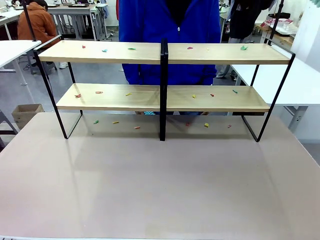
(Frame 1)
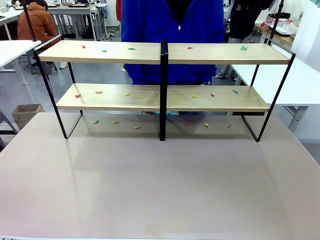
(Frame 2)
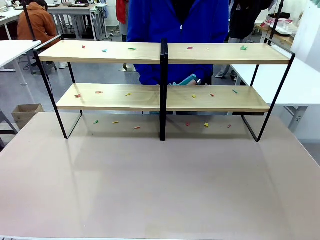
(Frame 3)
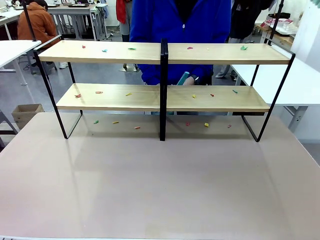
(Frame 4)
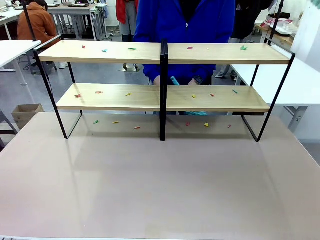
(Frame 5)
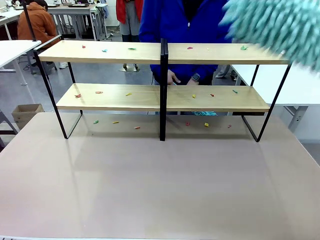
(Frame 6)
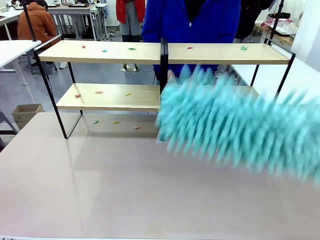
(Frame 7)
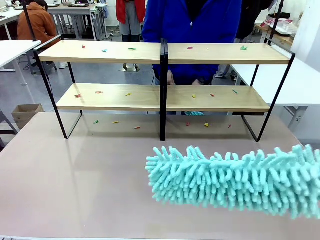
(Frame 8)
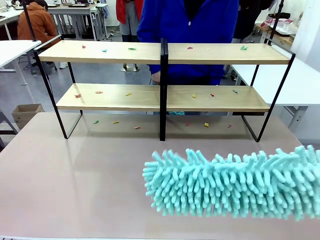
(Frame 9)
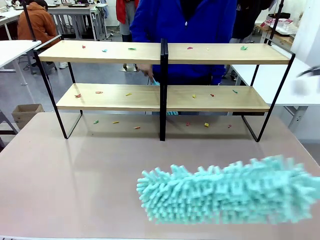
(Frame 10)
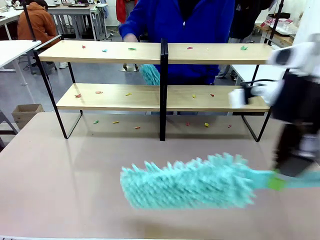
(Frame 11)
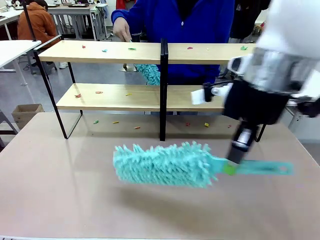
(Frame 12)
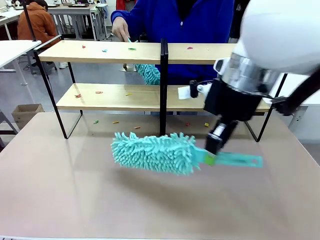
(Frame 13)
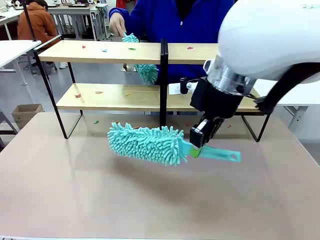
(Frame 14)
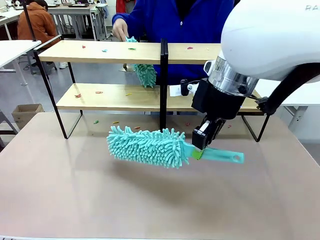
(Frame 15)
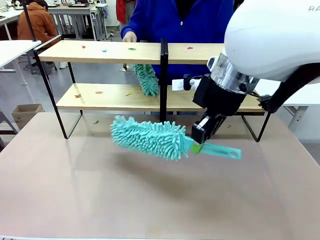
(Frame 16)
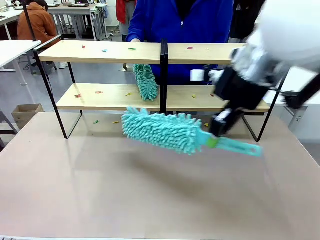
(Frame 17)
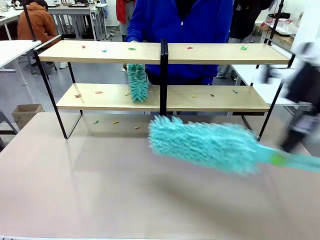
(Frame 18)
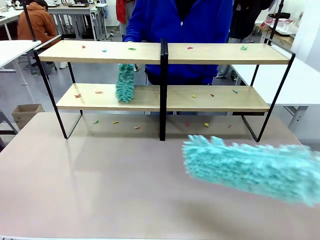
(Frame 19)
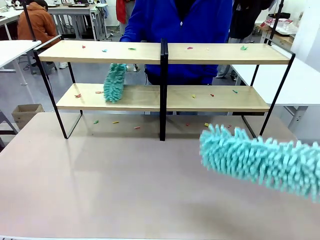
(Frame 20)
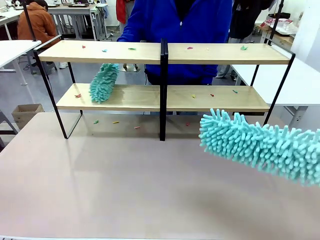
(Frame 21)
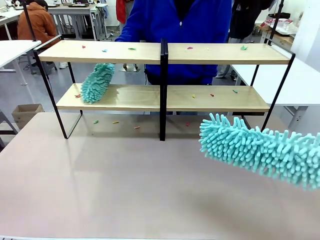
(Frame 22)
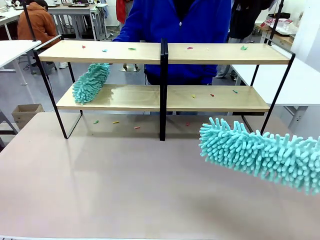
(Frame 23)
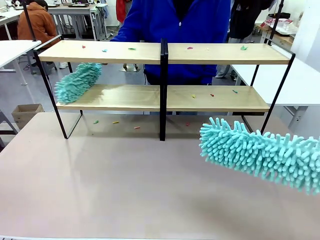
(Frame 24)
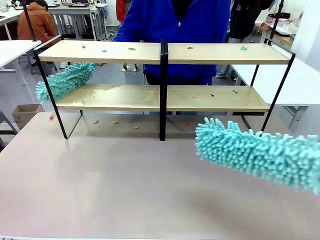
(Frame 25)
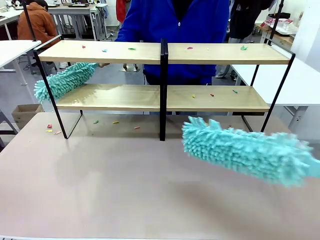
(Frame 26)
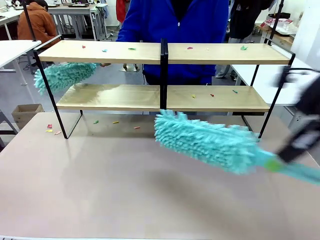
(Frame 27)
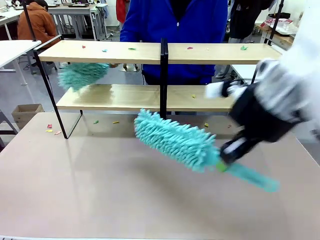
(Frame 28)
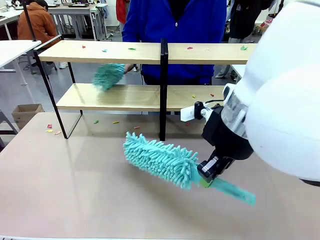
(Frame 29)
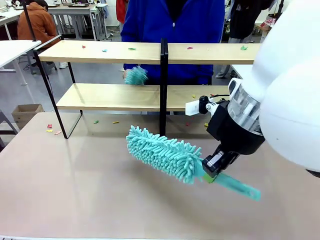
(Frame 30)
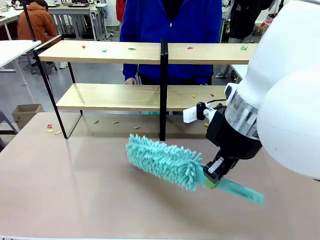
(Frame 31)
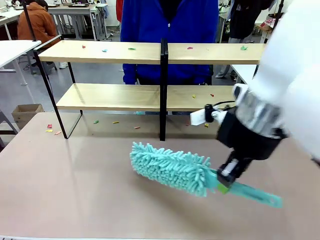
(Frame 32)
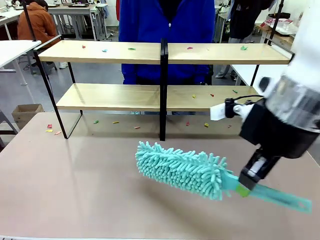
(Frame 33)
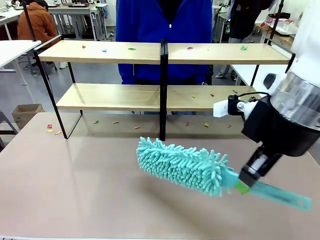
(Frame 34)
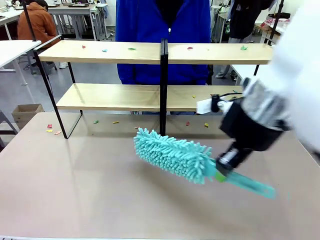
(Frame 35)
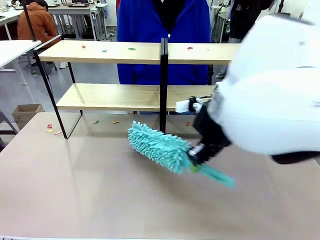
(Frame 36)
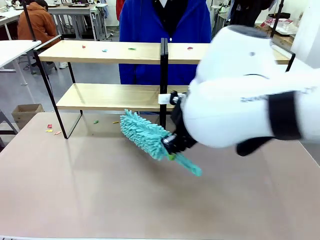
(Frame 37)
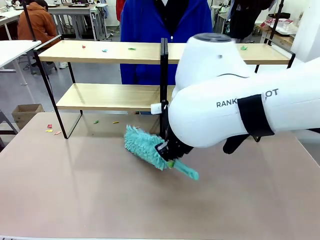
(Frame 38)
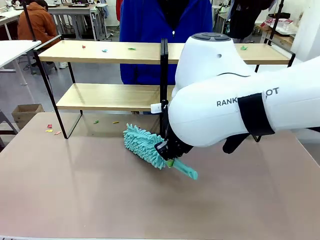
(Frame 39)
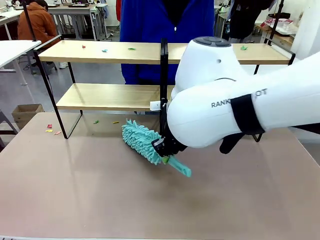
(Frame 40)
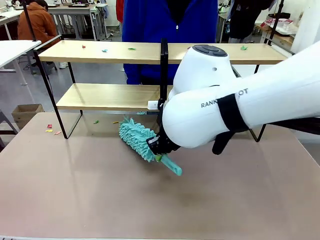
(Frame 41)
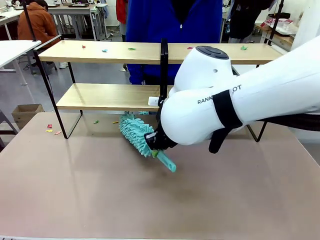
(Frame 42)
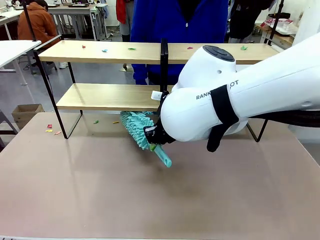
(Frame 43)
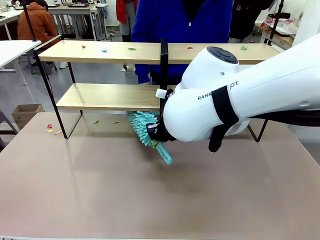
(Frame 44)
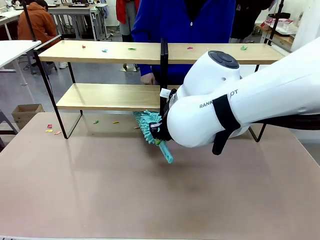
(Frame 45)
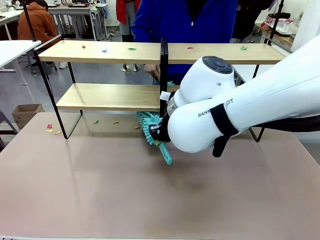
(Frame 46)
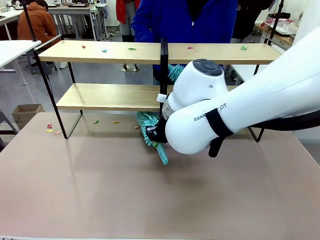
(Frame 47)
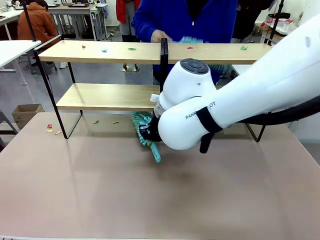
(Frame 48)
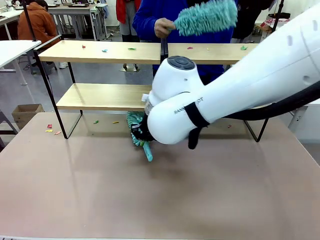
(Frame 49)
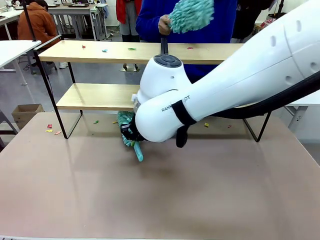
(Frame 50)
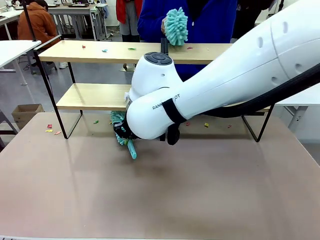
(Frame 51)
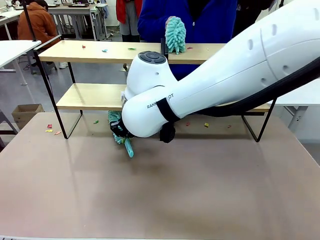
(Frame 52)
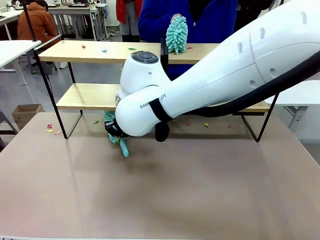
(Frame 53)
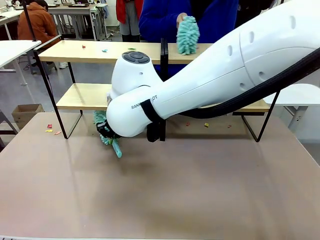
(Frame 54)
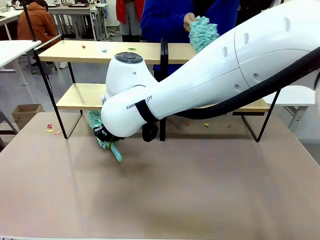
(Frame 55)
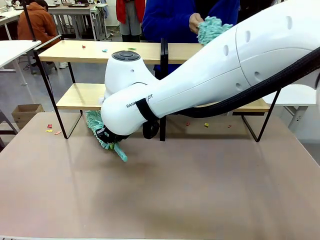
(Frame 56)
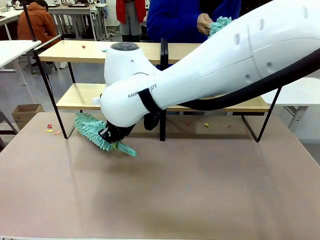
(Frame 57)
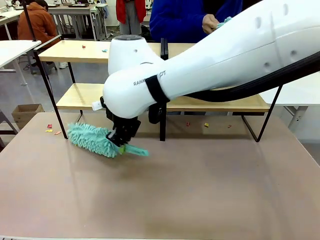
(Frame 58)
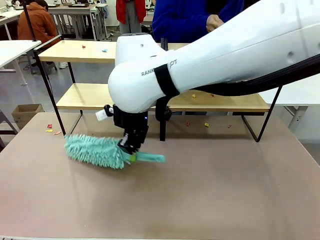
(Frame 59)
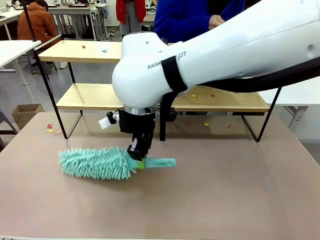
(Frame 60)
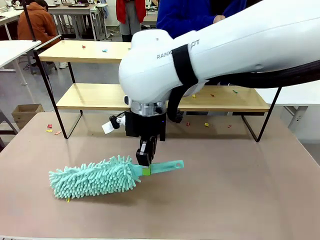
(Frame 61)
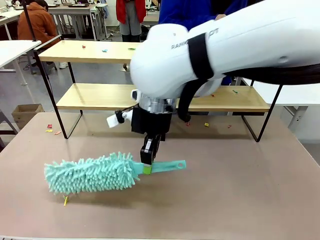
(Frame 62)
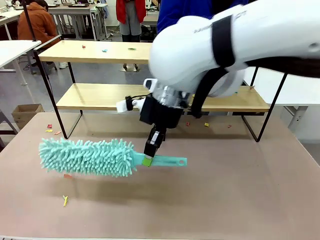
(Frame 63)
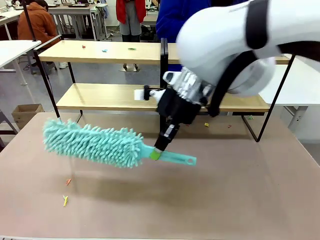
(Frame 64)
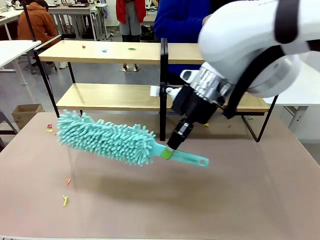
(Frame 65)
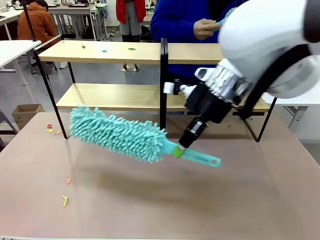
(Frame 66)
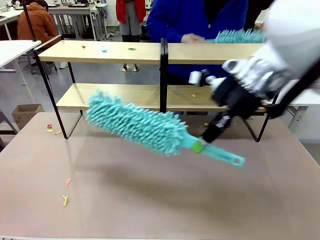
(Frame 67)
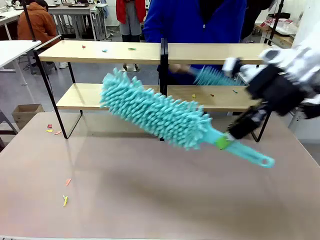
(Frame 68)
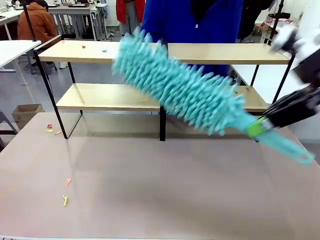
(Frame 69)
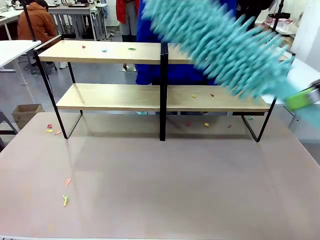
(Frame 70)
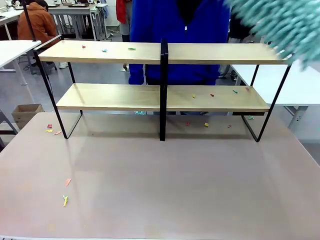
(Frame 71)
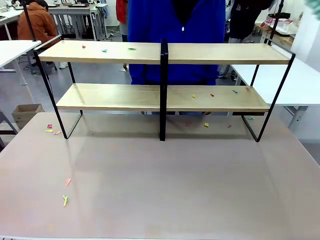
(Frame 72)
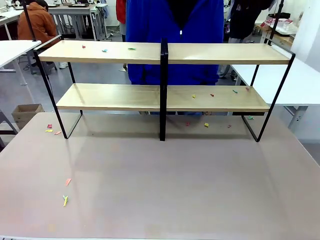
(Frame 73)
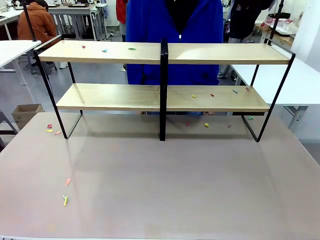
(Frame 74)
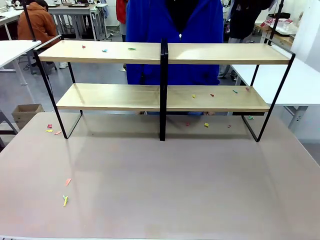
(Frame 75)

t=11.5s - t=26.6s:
Task: Clean the shelves.
Robot: Clean a randomly selected level of the Shelf with the Duster.
